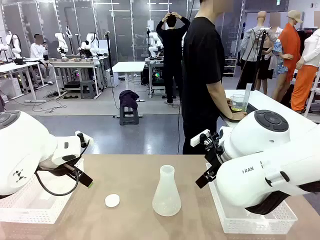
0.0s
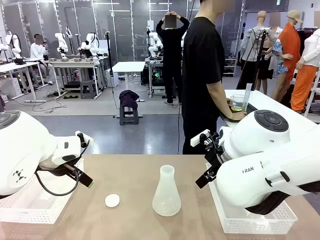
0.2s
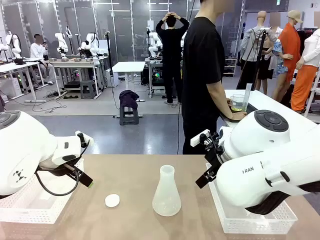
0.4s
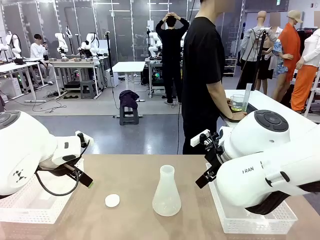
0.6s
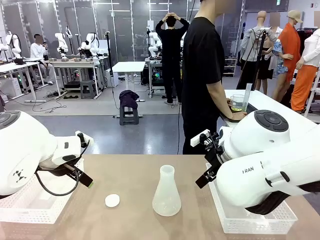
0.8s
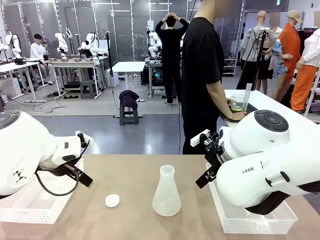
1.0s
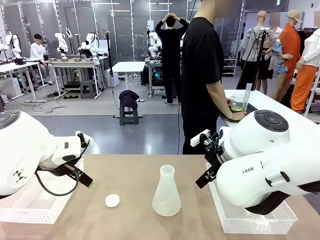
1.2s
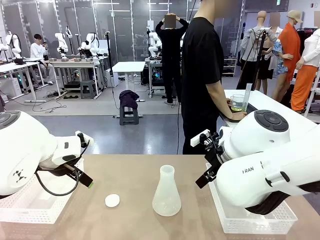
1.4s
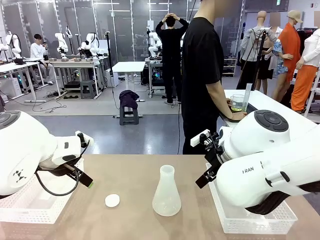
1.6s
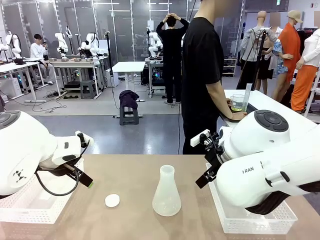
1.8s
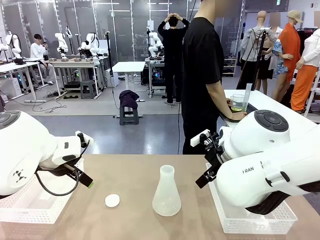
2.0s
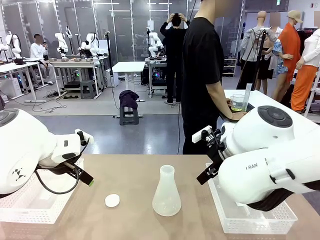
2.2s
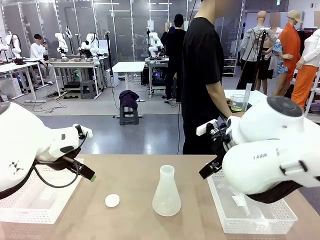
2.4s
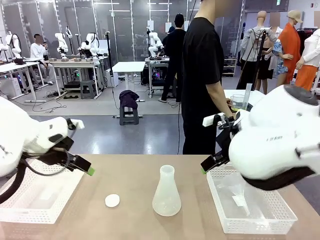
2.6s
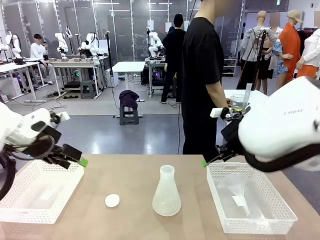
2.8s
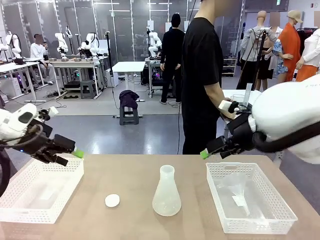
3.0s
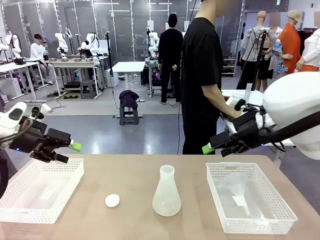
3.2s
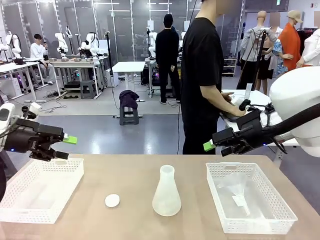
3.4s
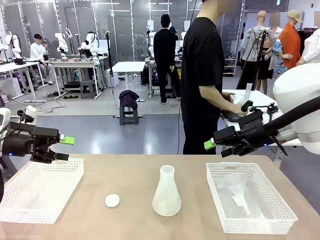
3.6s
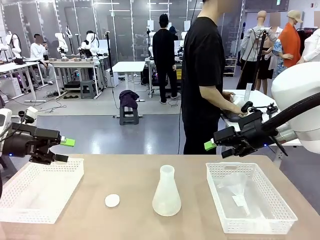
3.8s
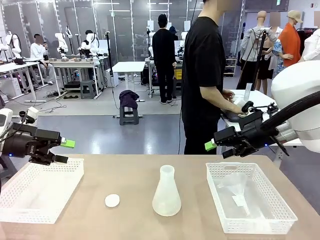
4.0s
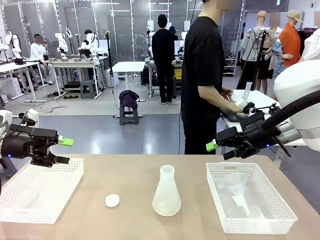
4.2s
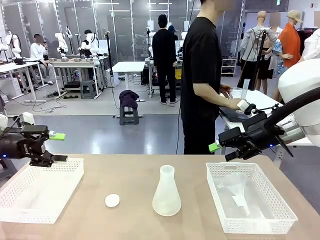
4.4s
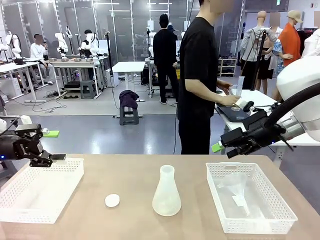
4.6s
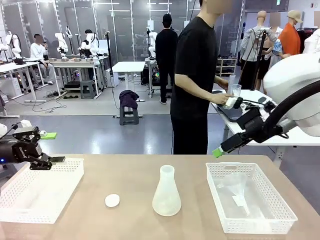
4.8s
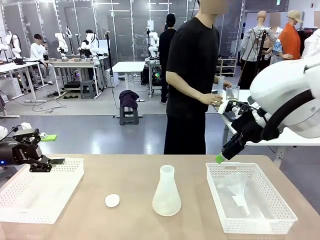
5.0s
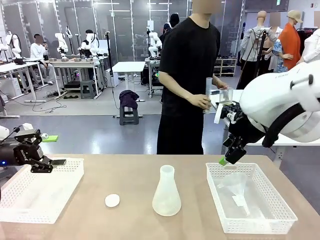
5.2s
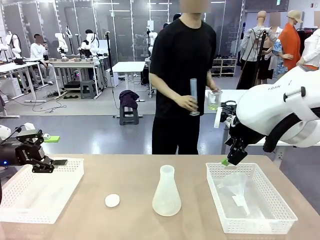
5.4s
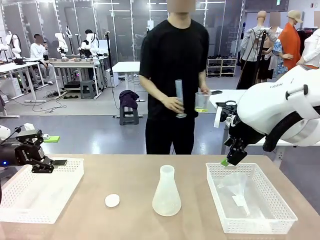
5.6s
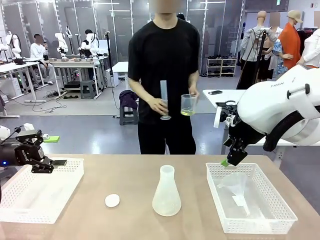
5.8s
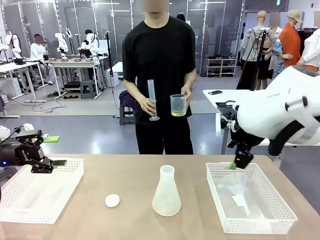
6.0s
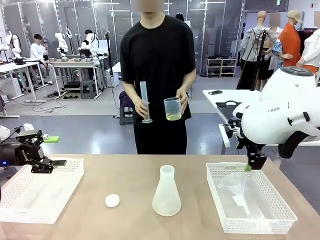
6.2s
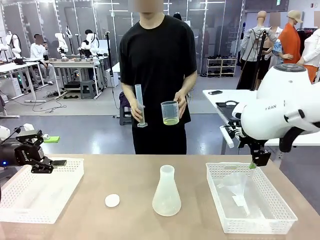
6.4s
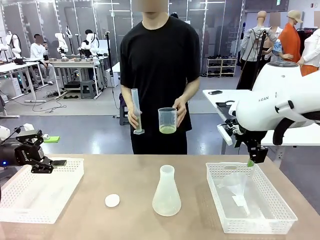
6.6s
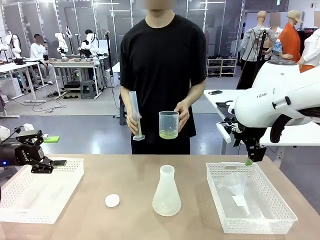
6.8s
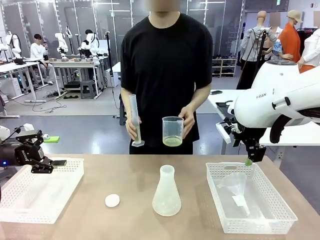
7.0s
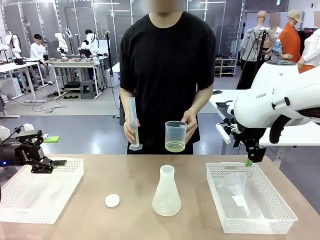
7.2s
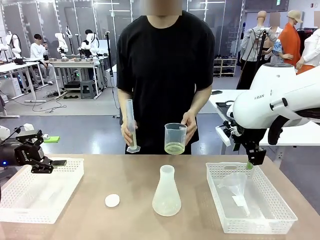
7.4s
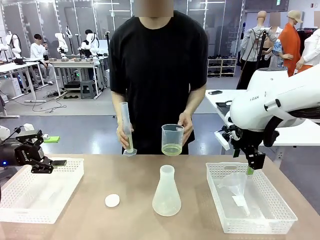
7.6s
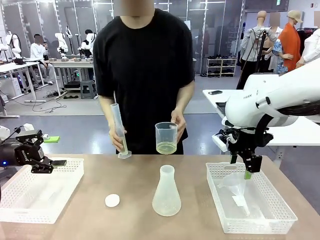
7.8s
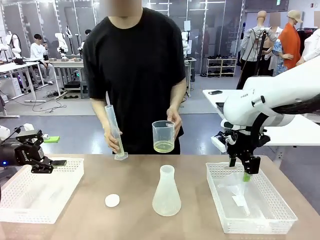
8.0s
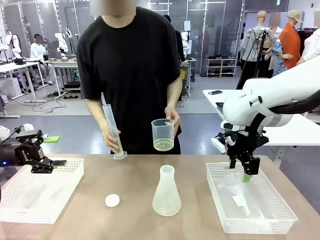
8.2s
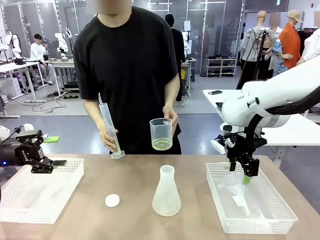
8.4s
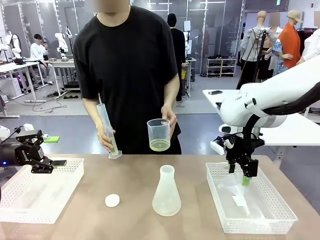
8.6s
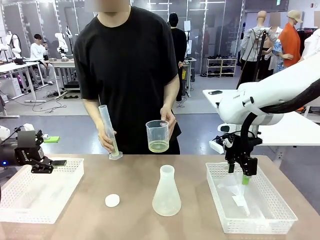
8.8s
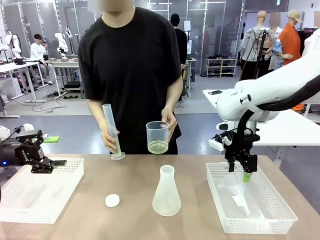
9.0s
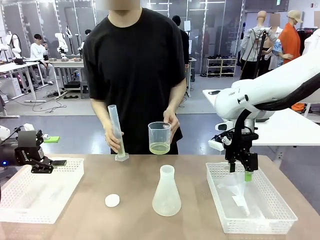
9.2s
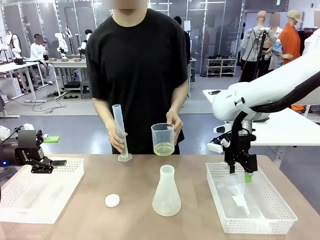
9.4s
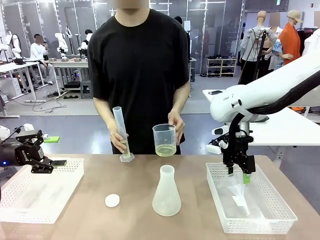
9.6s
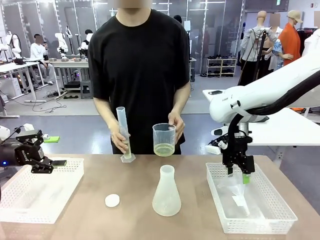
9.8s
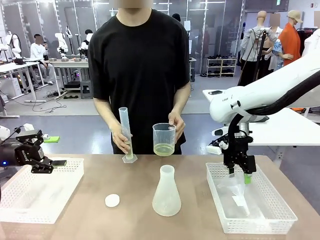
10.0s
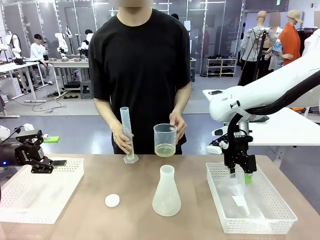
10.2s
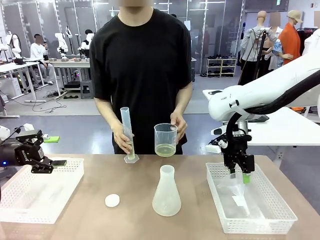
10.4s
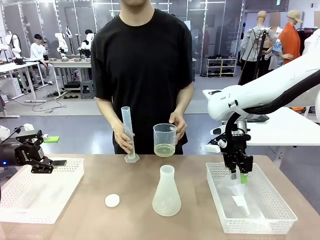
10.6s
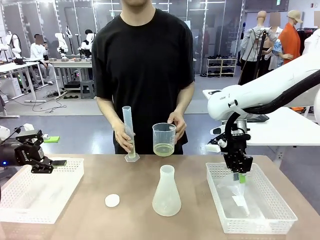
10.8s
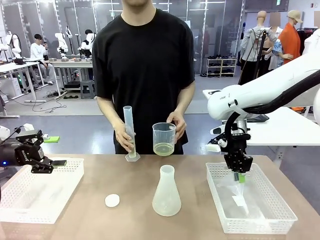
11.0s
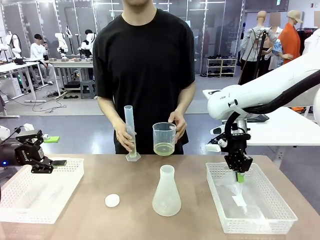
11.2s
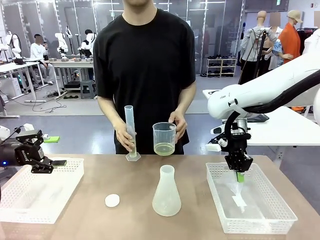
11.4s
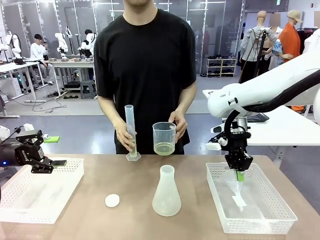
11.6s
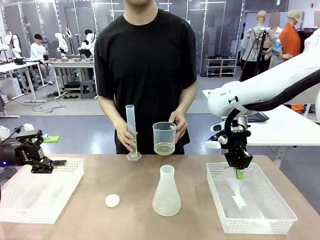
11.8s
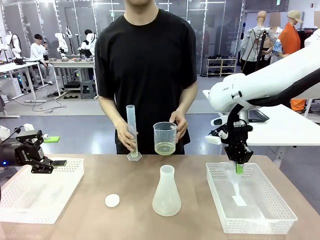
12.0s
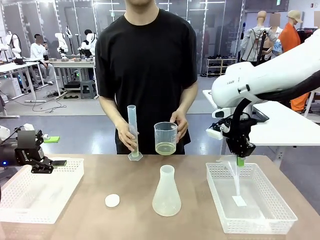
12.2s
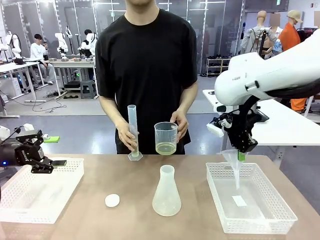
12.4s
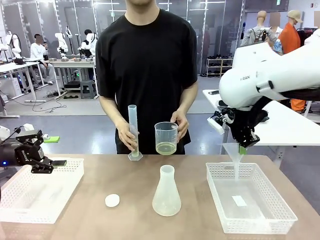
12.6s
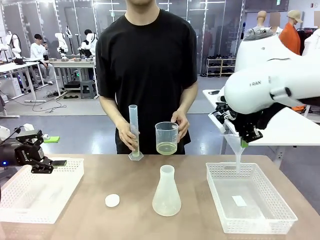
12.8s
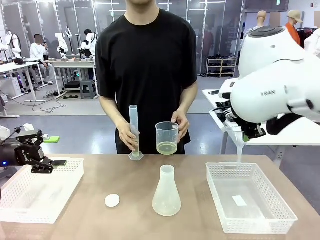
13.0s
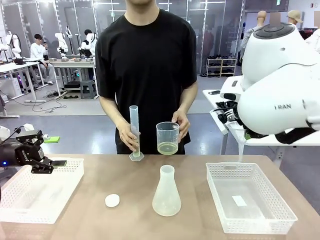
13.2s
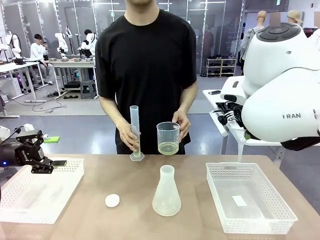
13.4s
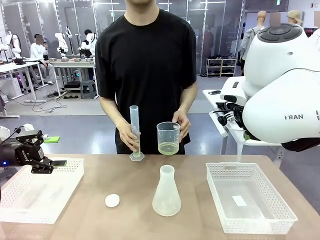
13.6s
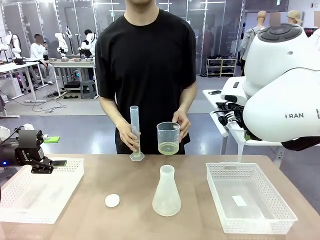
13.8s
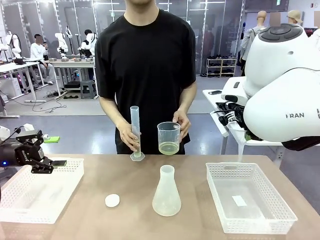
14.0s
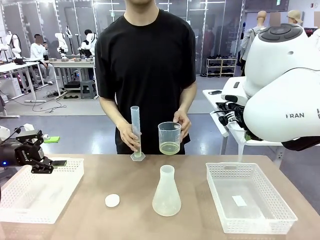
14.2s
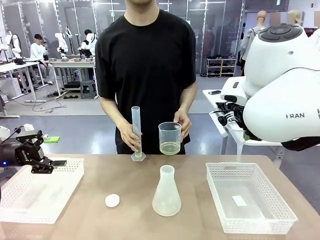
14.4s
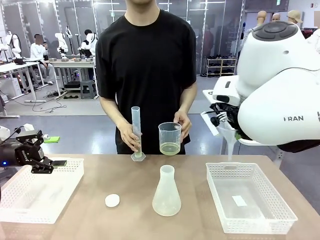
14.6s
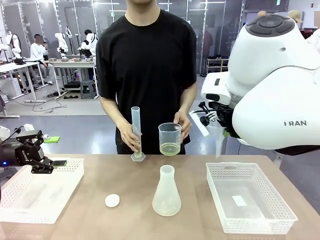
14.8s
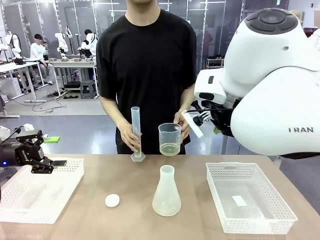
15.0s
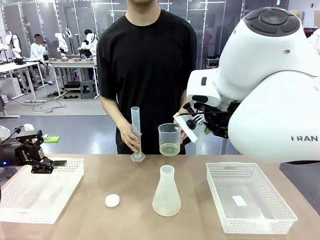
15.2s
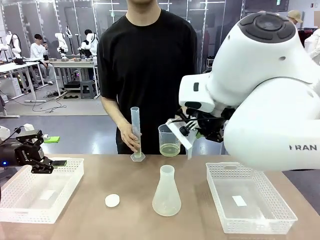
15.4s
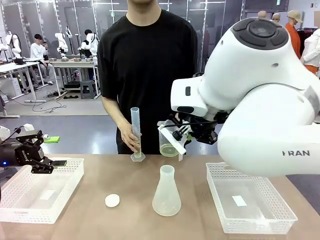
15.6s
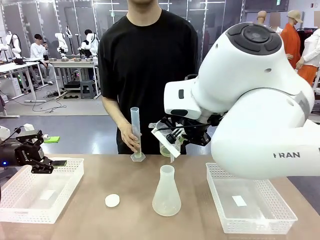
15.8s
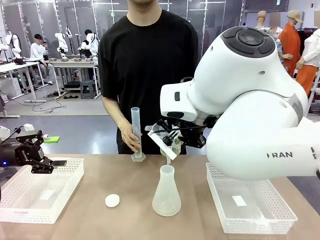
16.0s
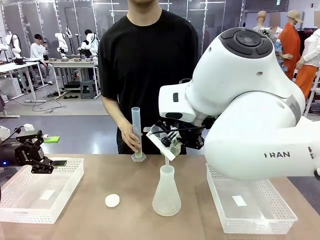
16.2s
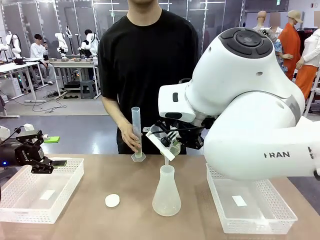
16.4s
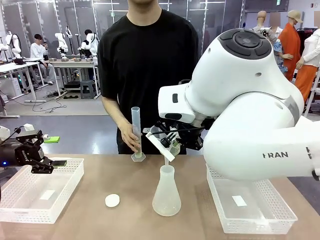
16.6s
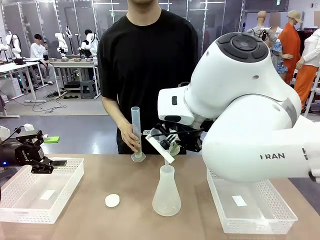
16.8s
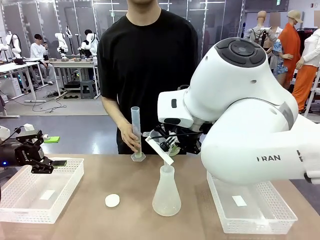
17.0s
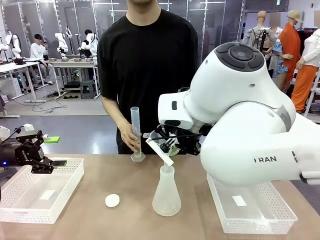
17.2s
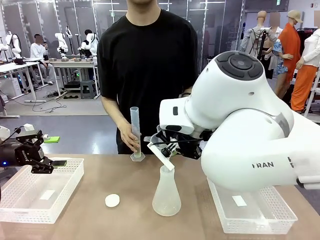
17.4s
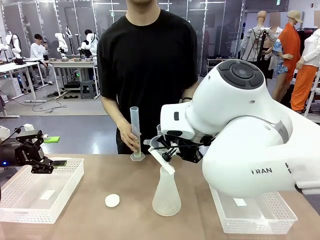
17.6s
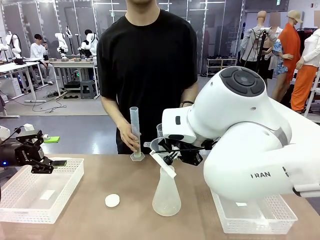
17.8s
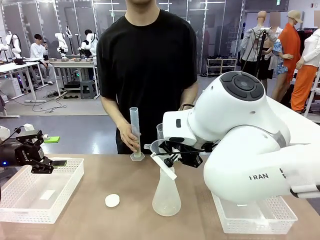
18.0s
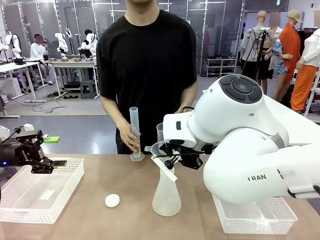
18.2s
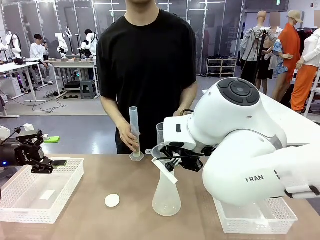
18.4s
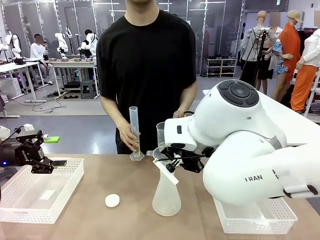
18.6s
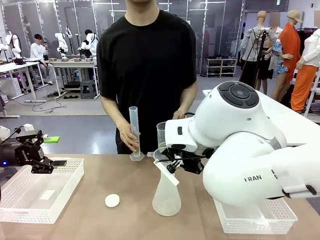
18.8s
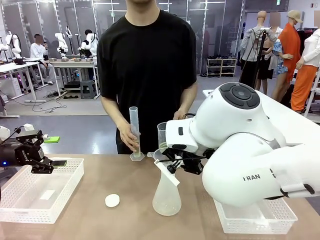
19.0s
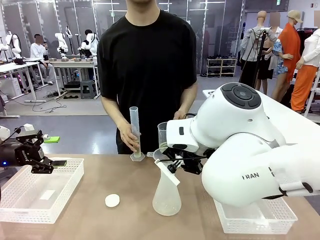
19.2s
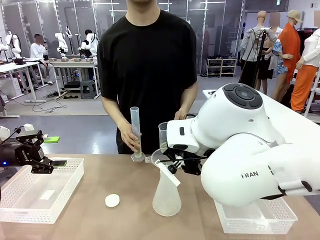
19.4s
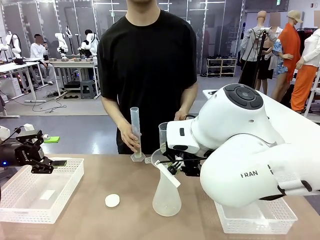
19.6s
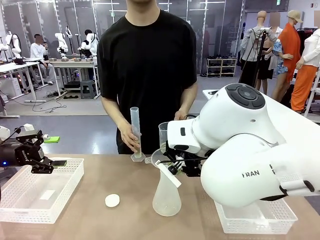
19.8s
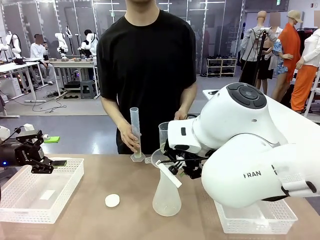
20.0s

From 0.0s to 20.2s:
Task: Prepare the solutions needed for the experiment.
Robot: Pick up the Plastic Funnel and insert it into the Big flask.
Person: Pick up the beaker and the cylinder and move to the middle of the robot table. Pour the solution from the beaker and the cylinder into the flask.
